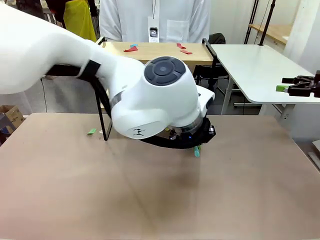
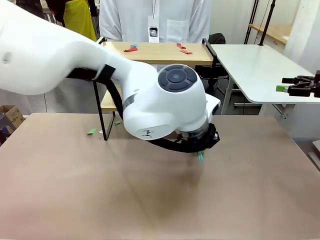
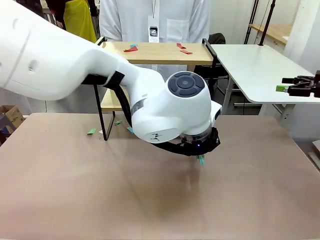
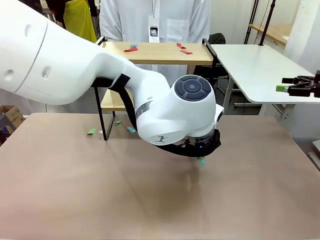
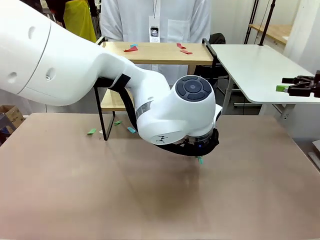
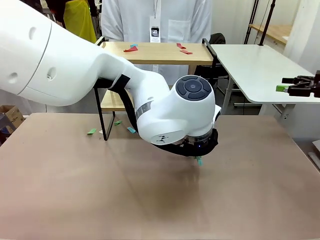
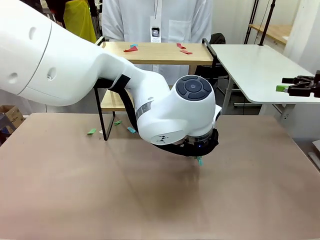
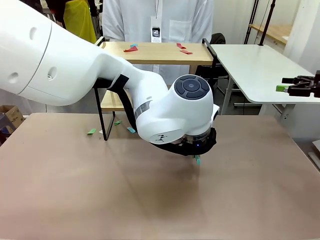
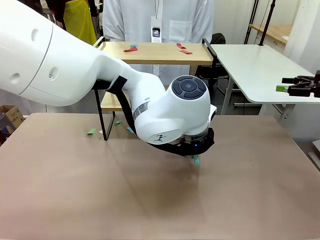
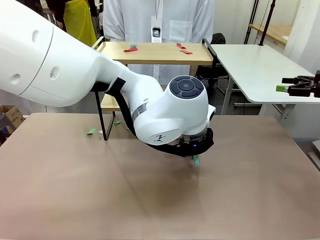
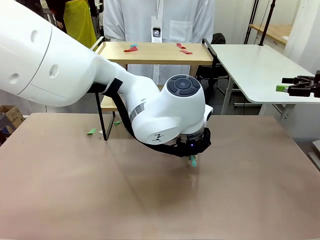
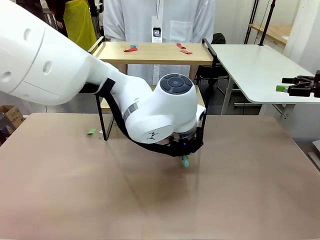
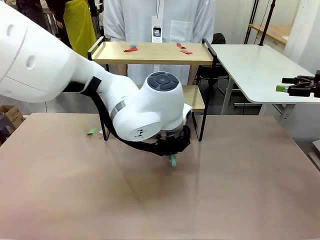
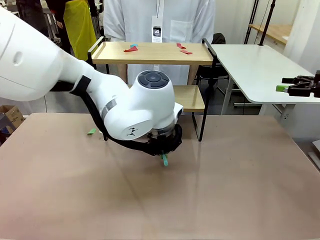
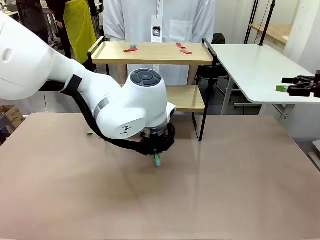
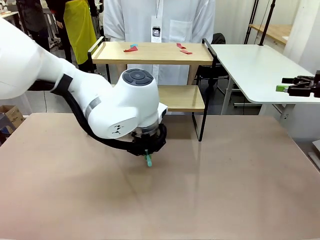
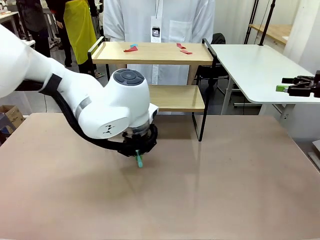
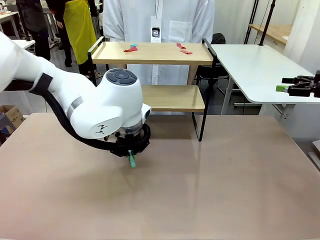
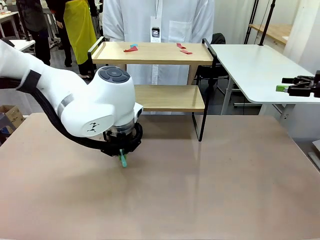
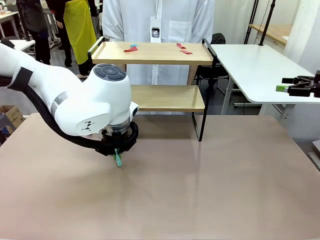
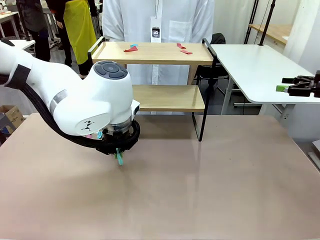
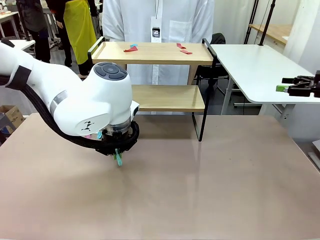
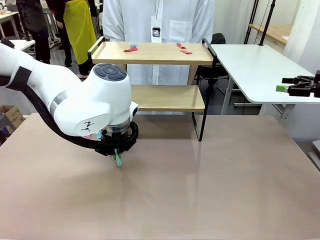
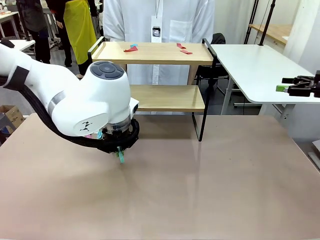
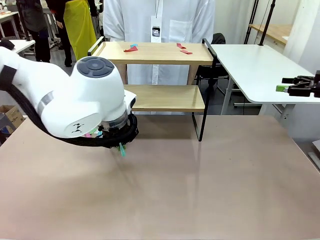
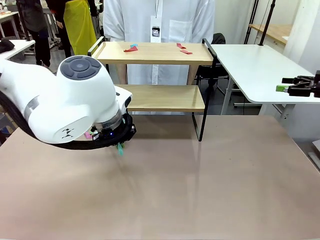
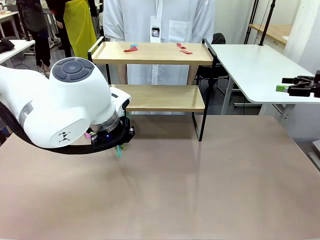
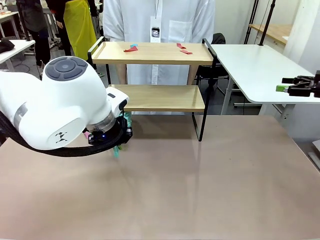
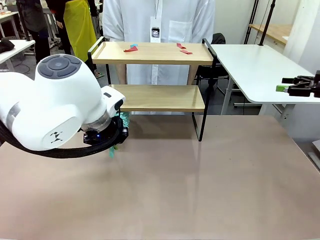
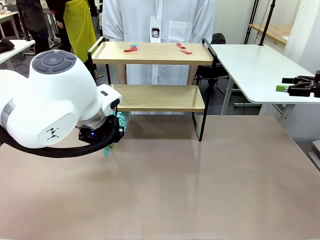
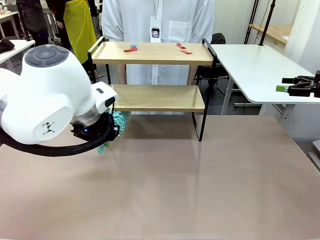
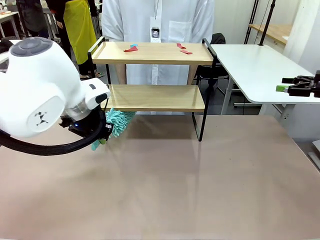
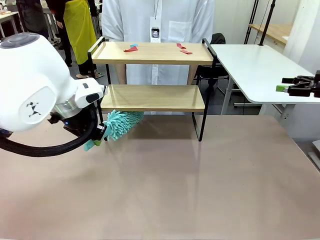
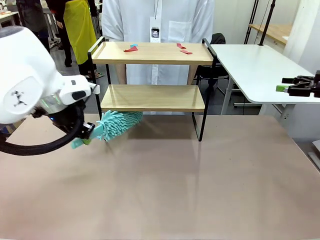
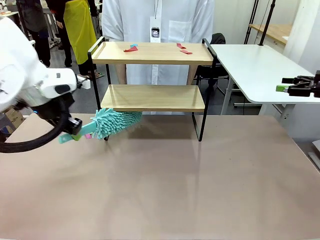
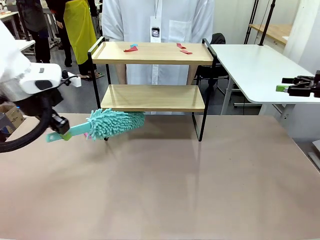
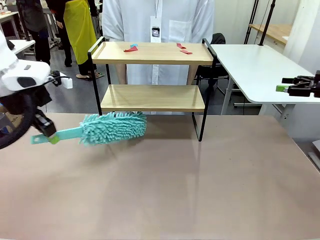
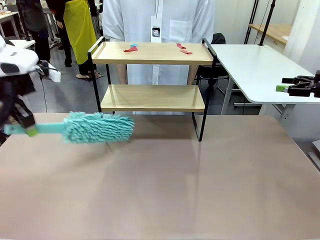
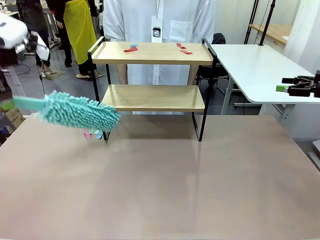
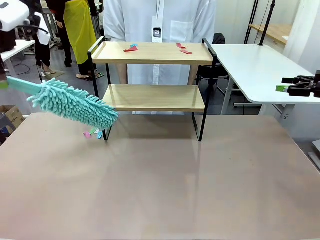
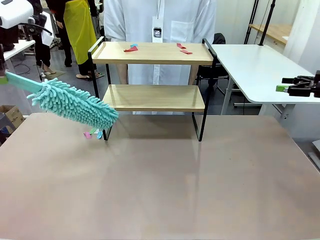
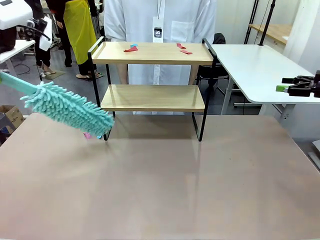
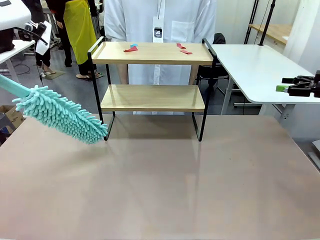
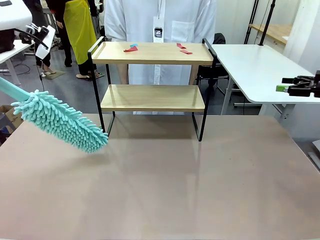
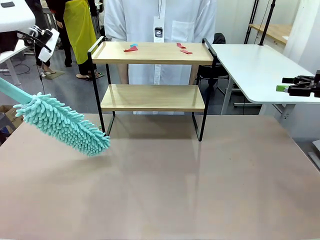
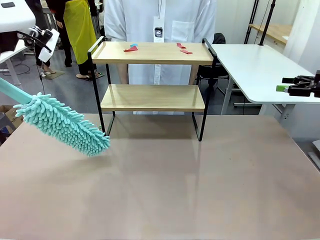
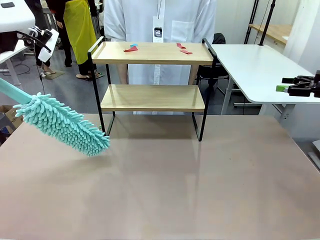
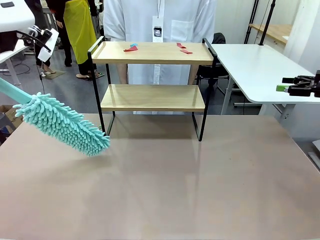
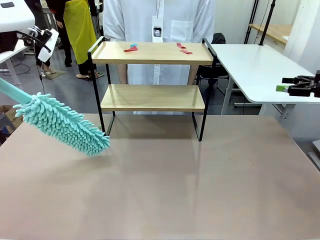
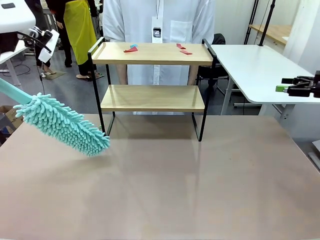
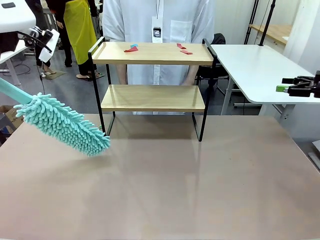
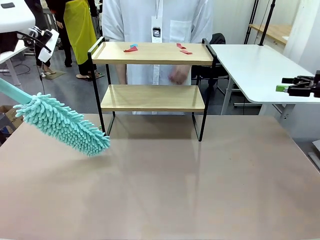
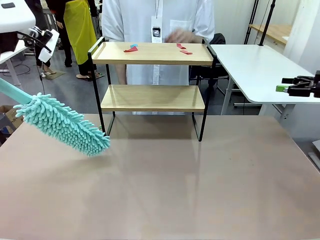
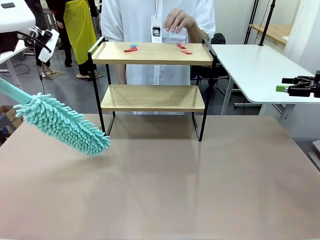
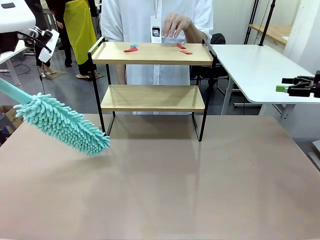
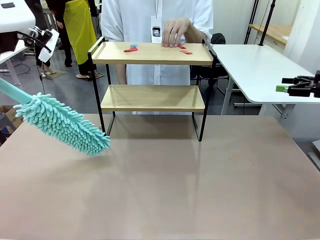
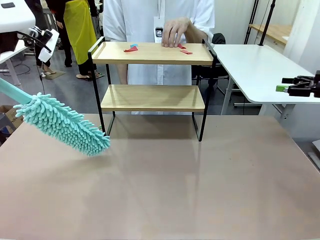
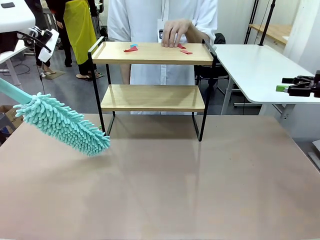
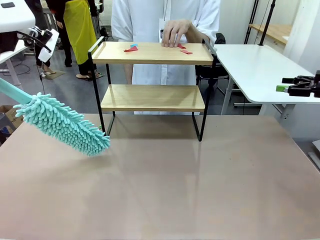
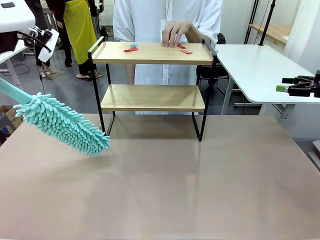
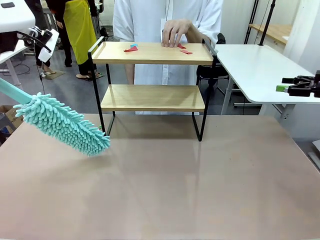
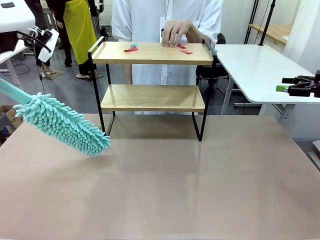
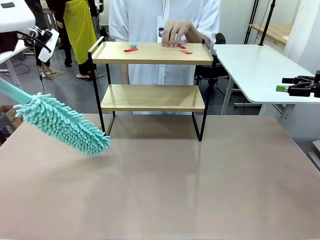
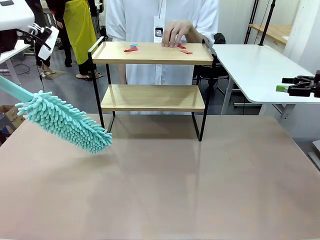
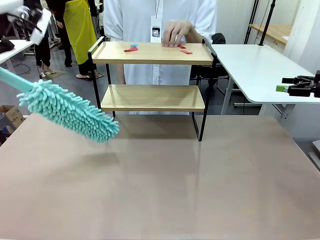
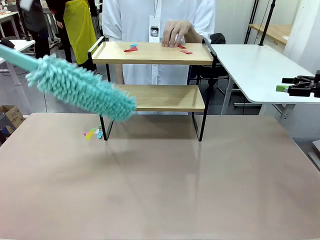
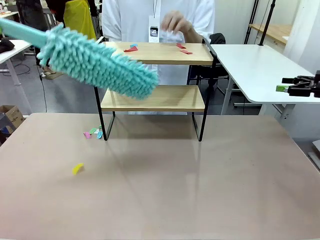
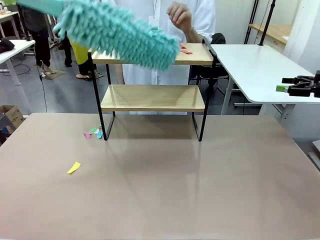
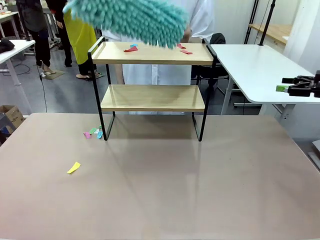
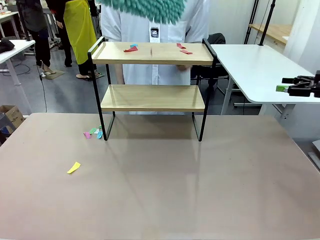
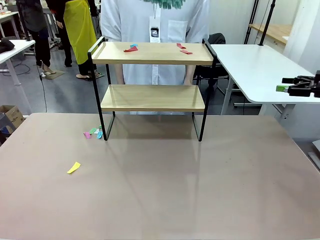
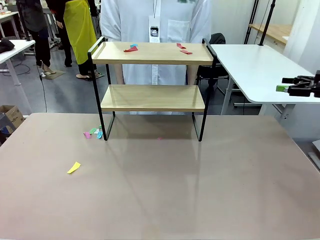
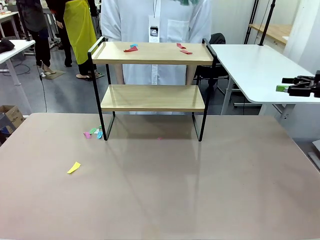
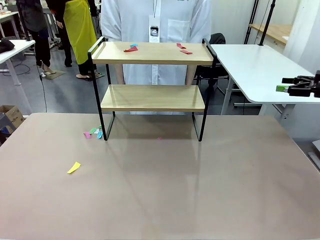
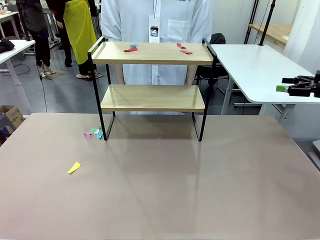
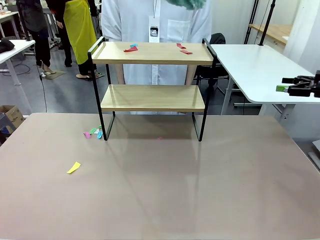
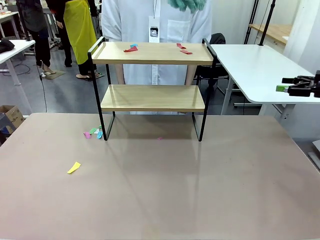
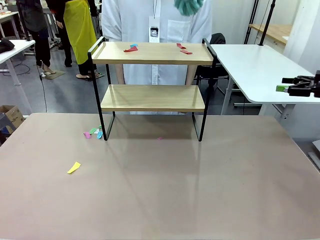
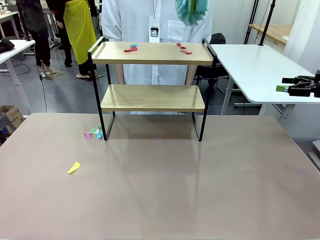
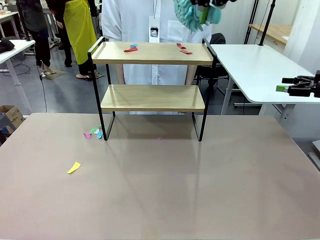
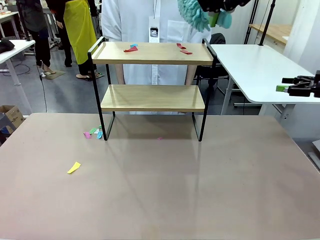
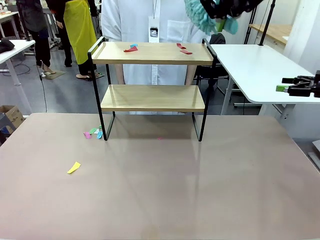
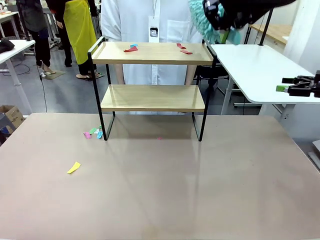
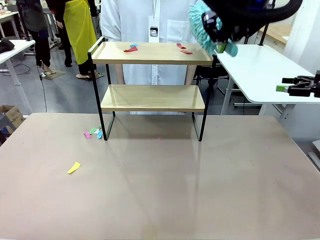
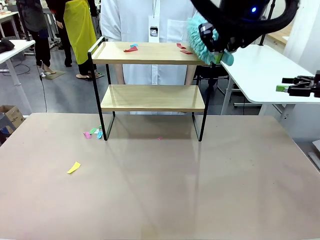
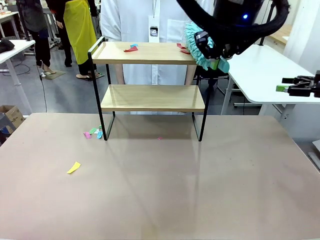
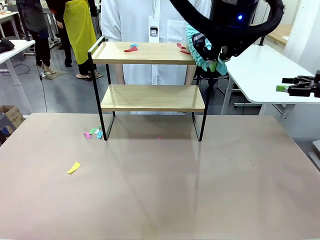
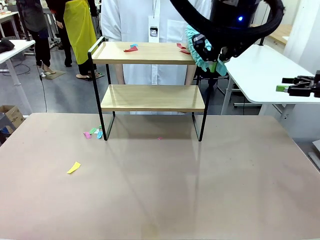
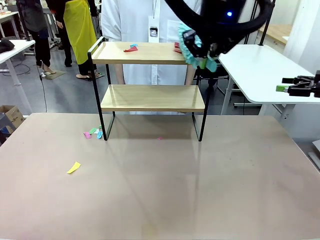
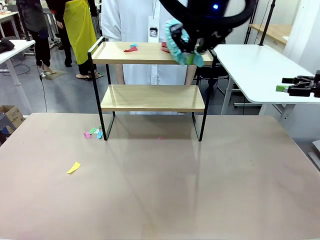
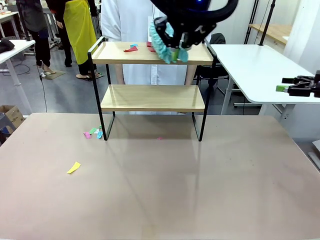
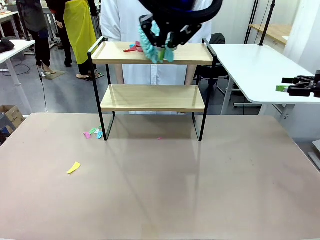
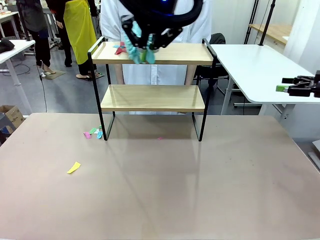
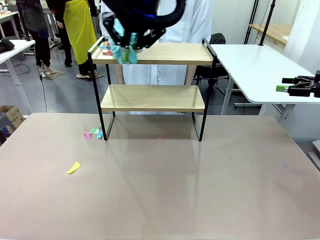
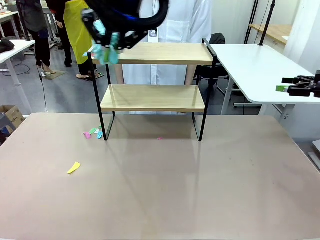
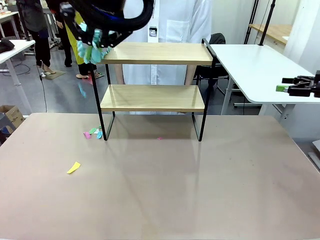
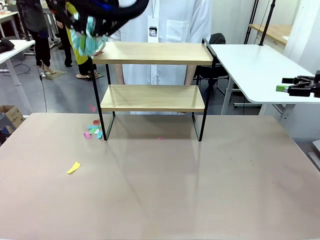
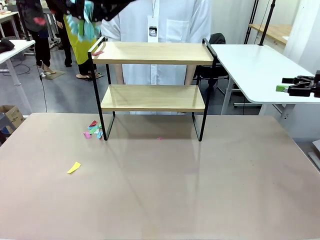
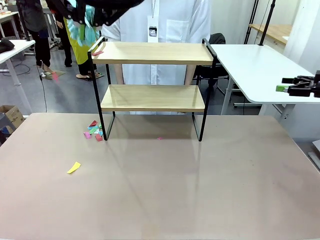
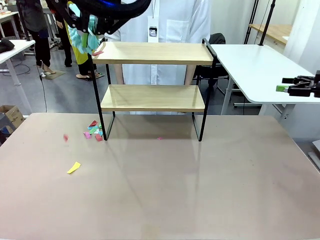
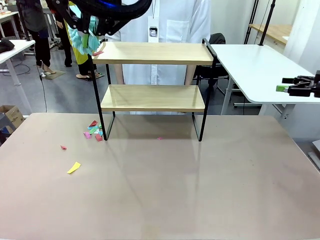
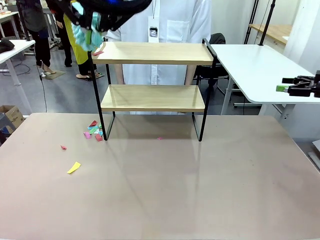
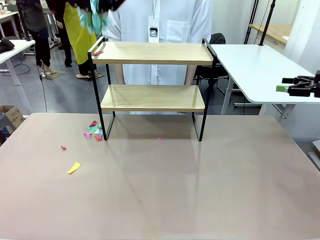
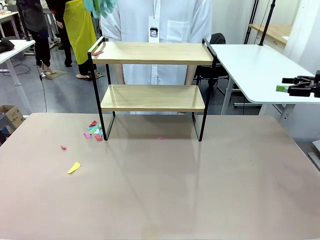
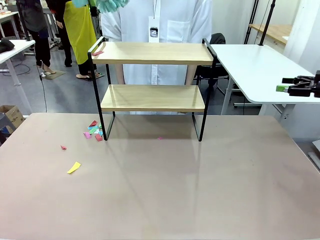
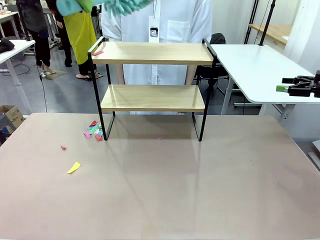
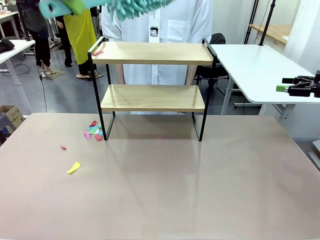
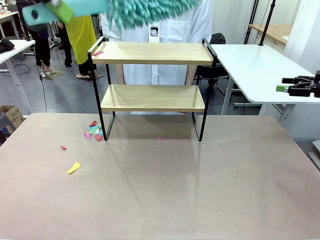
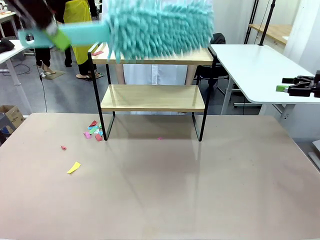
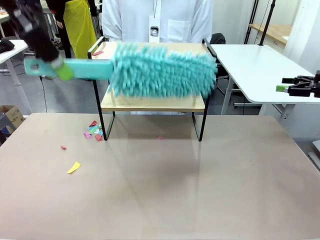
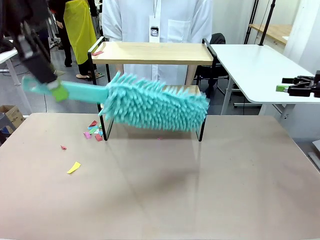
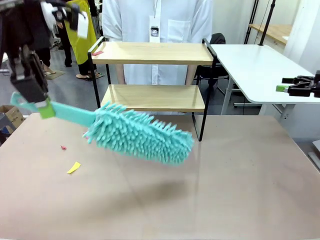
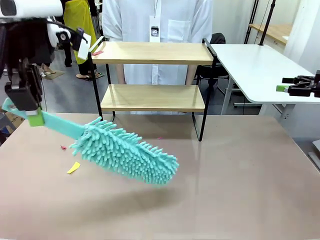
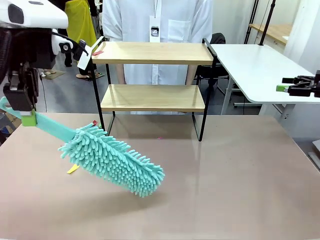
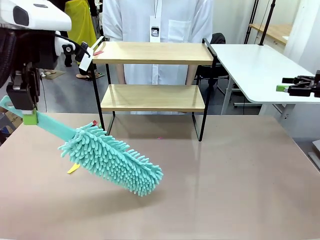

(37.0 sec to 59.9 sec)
Task: Clean the shelf.
Robot: Clean the specific section of the Shelf indicated by the human with the Duster.
Person: Point a remaining section of the Shelf.
